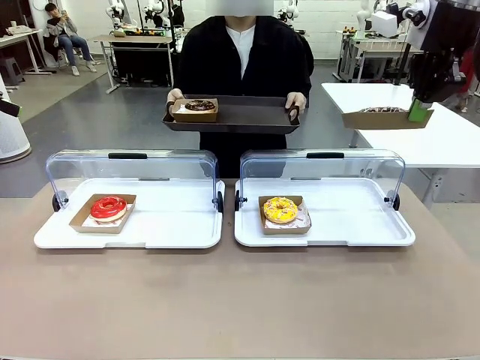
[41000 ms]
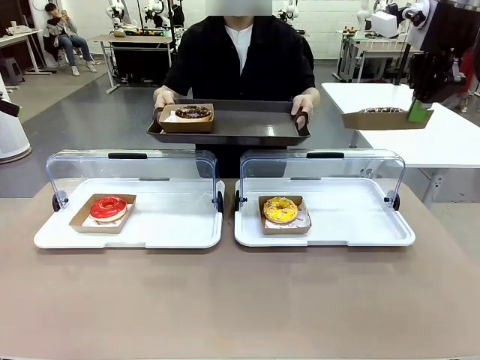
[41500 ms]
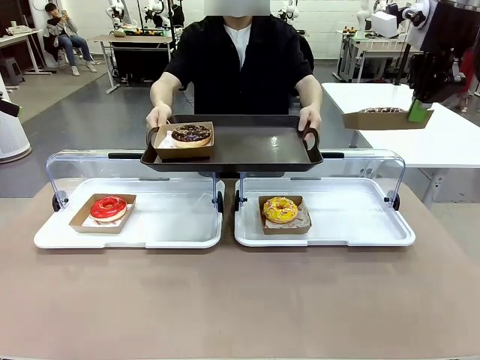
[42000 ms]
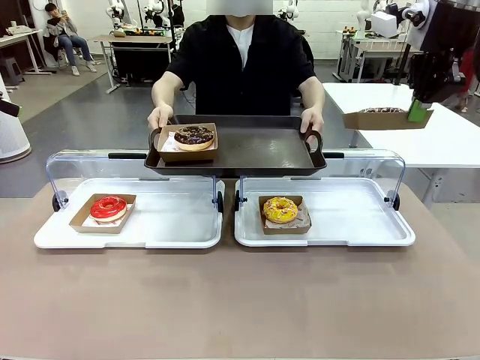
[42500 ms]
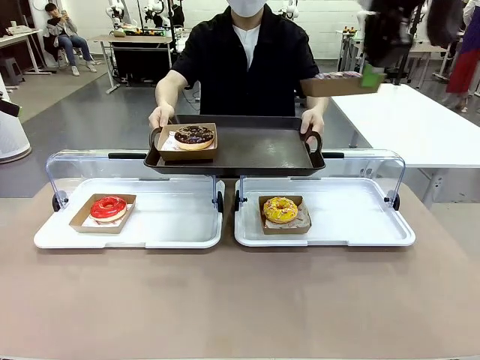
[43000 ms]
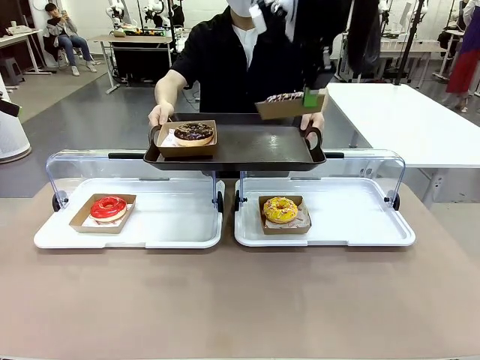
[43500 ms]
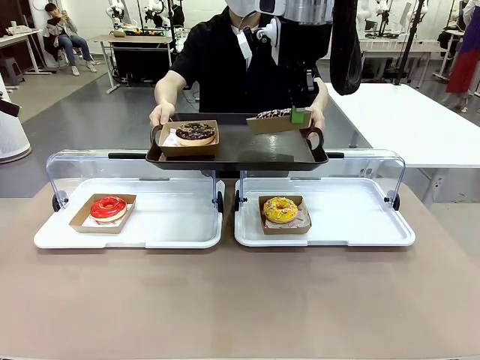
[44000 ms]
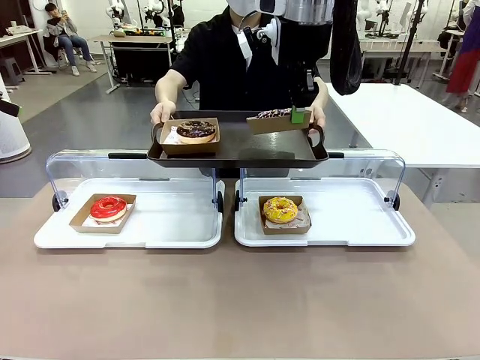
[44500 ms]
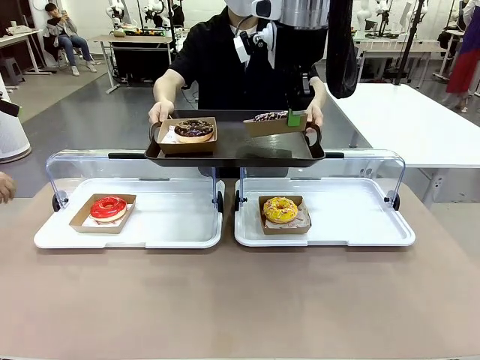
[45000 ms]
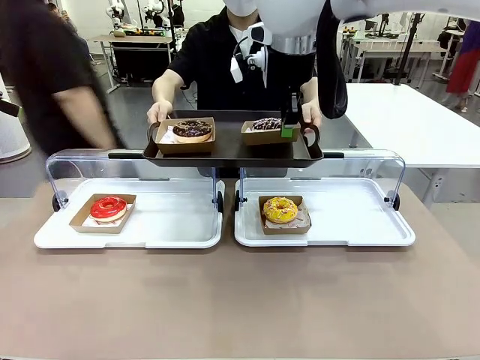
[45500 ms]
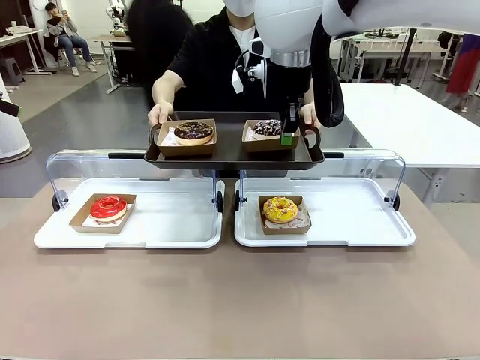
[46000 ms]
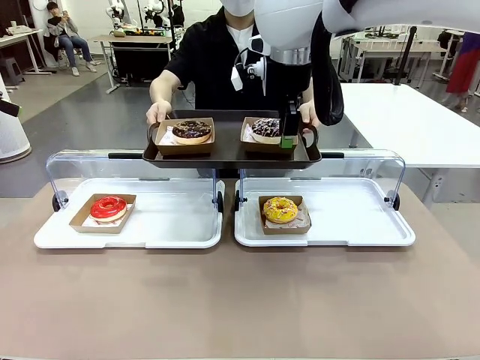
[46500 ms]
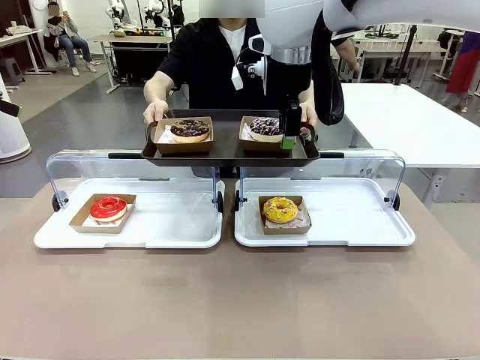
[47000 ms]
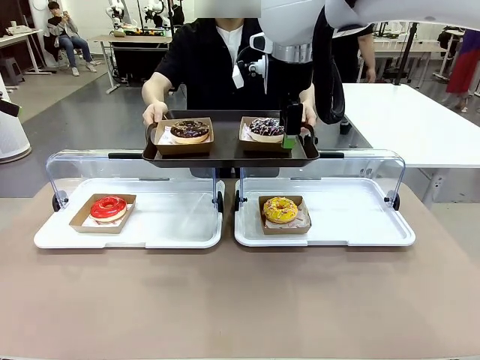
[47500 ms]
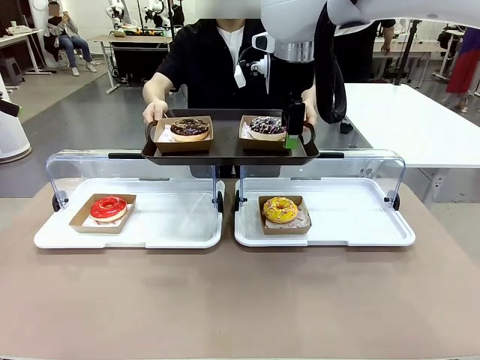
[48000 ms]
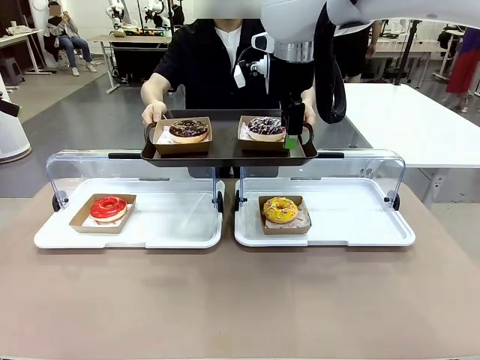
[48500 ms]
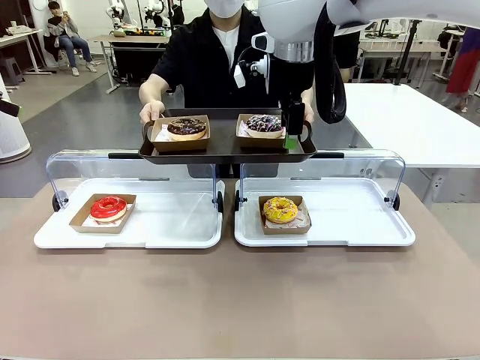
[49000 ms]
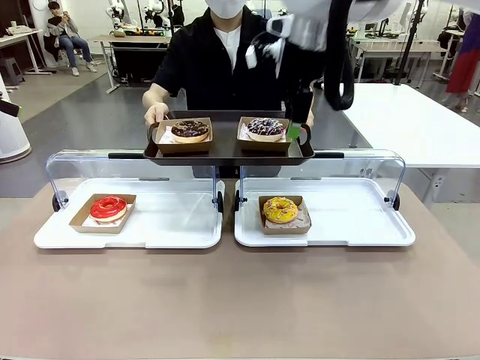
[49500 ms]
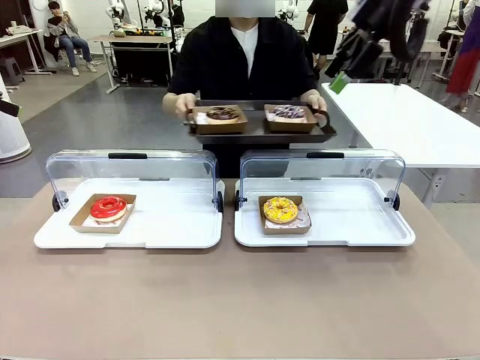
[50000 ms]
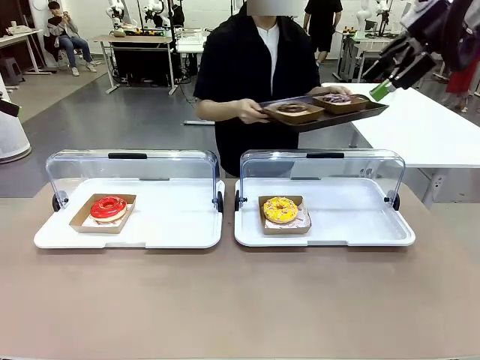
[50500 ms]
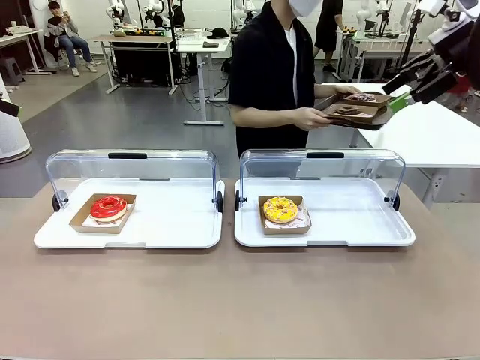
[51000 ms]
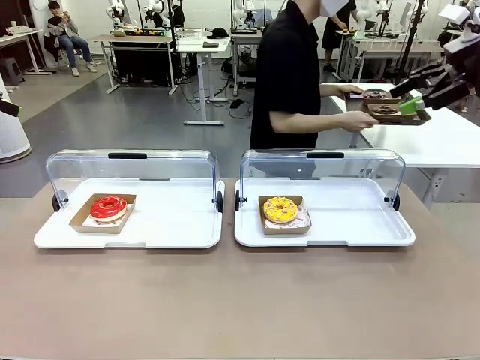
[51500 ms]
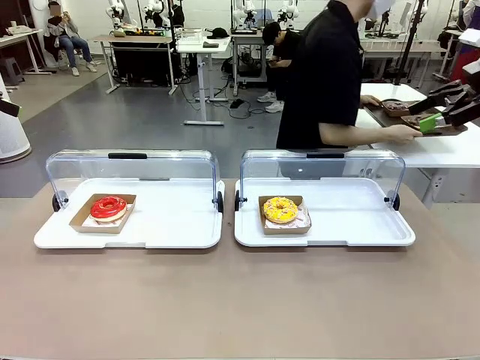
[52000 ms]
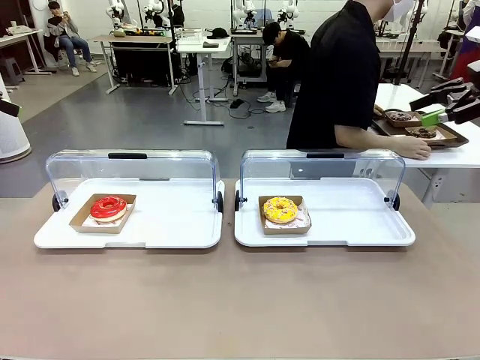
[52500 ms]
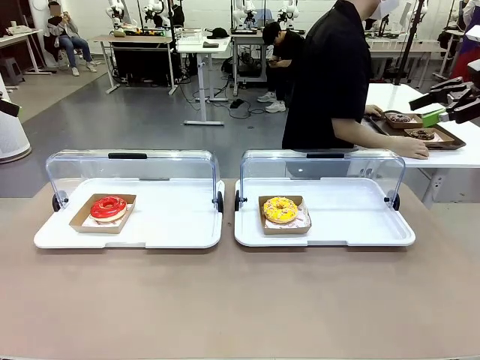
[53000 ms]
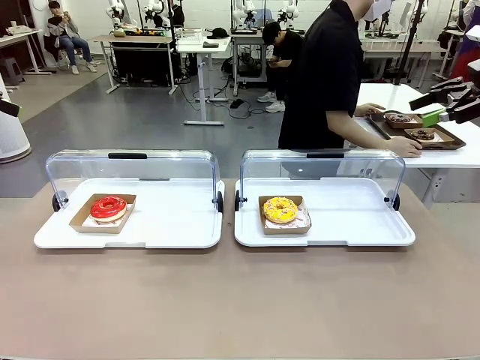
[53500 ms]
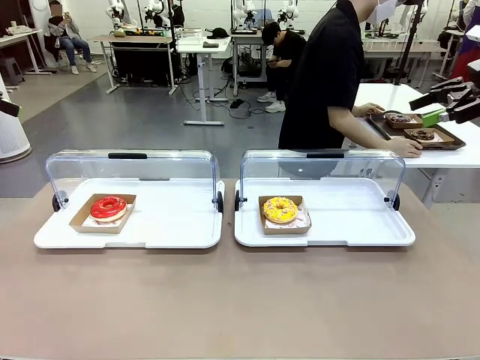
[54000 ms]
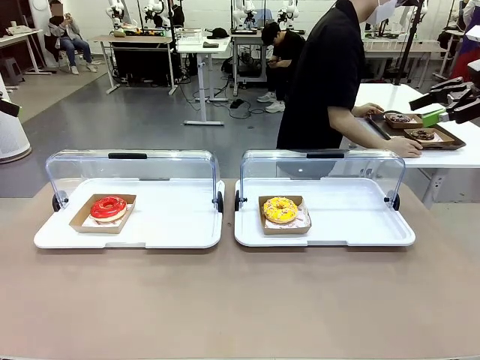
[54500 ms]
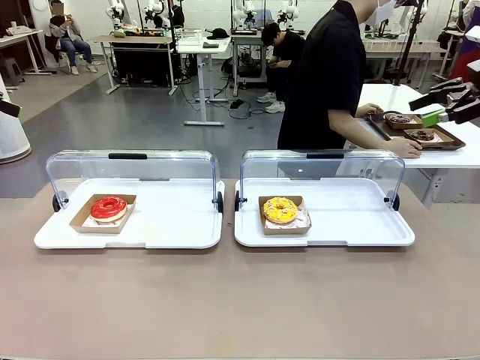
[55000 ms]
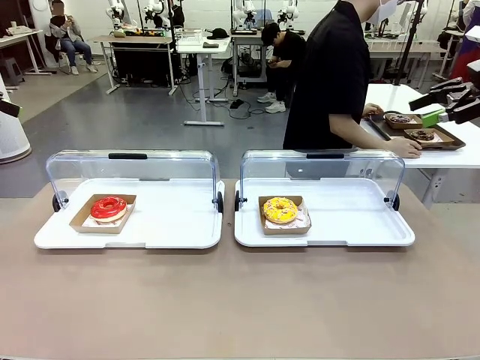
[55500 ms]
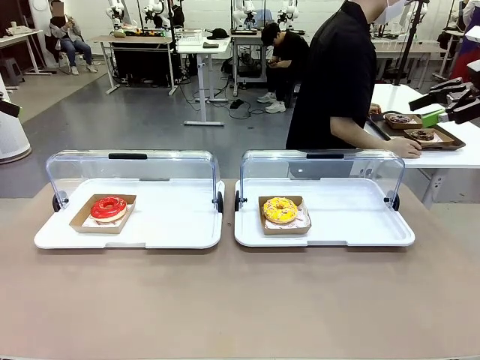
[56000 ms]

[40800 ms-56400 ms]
Task: Provide the desired donut to the person.
Robot: Place the picked Paper togo box onto the Handle tray extended by the person.
Person: Place the tray in the middle of the human table.

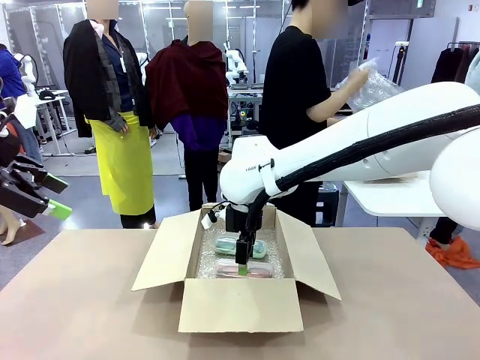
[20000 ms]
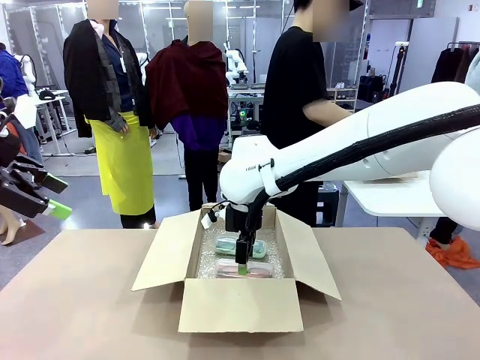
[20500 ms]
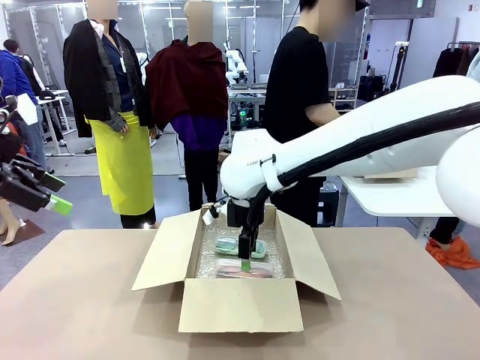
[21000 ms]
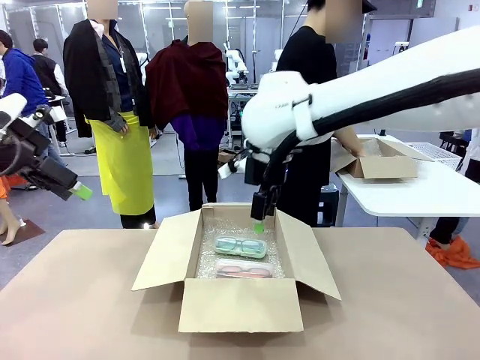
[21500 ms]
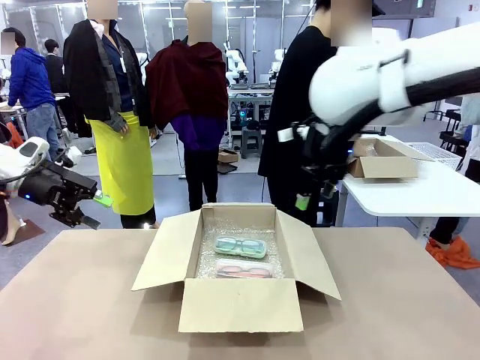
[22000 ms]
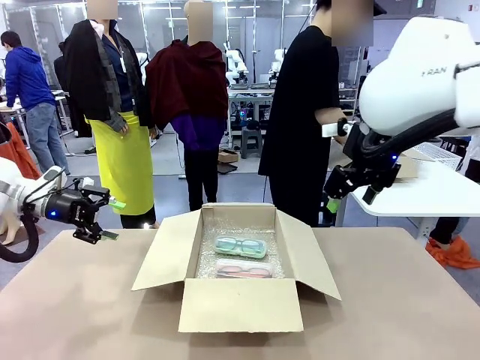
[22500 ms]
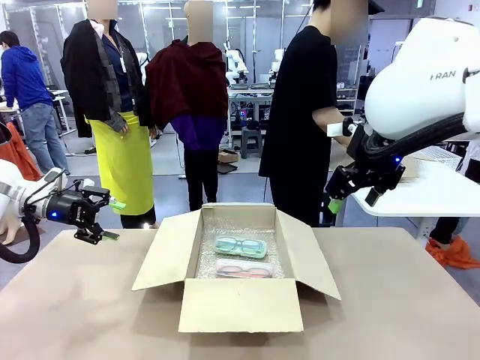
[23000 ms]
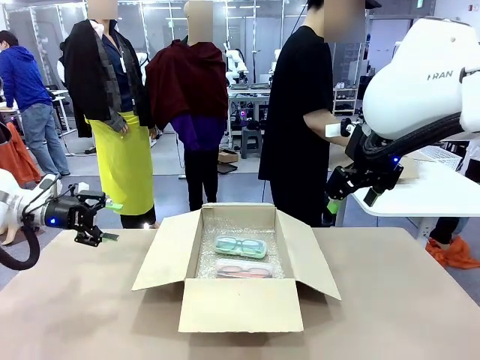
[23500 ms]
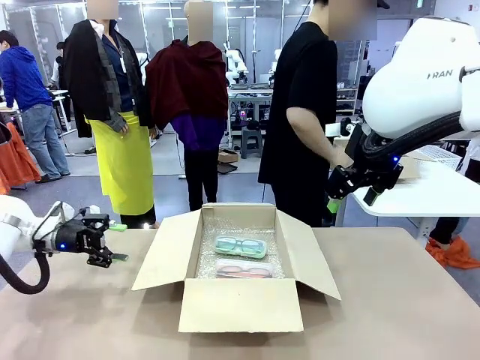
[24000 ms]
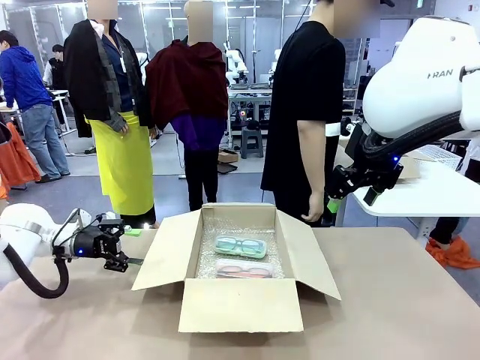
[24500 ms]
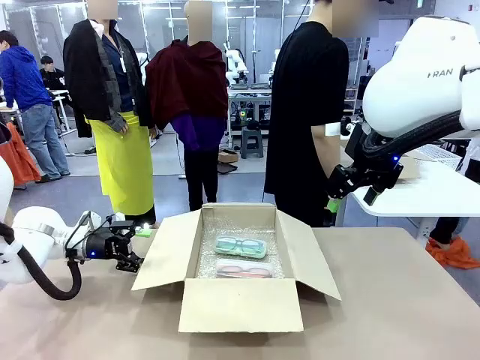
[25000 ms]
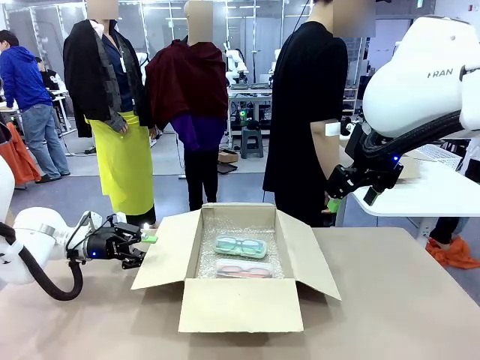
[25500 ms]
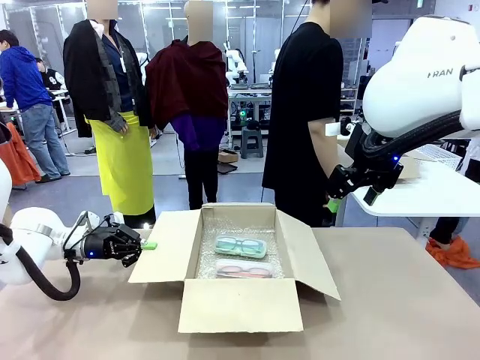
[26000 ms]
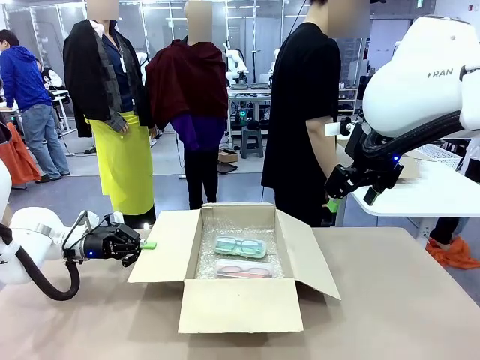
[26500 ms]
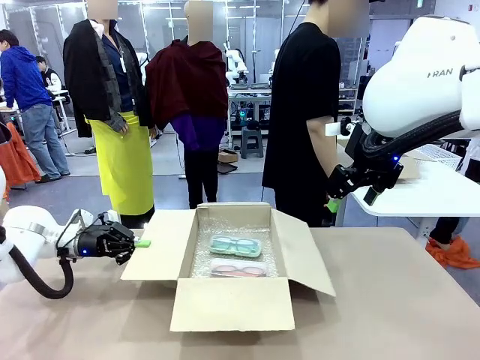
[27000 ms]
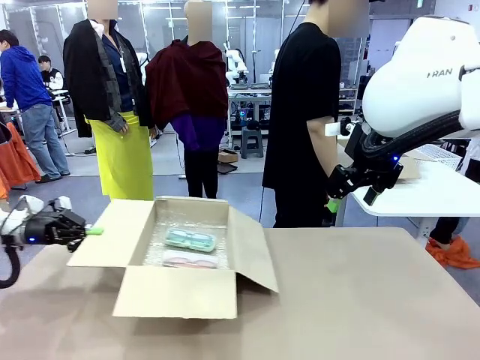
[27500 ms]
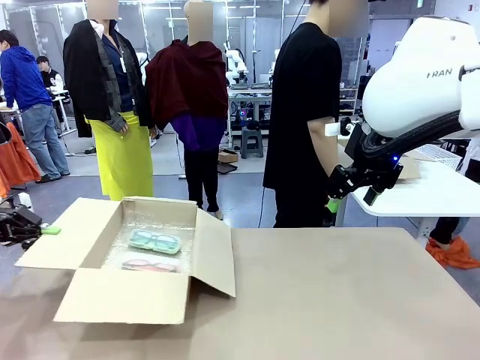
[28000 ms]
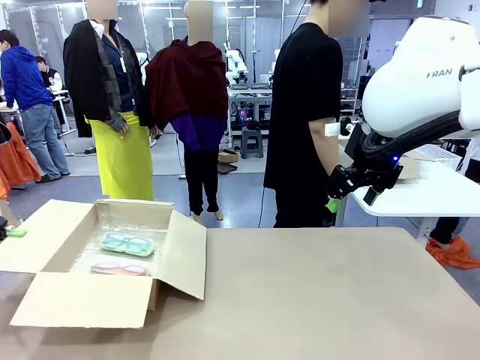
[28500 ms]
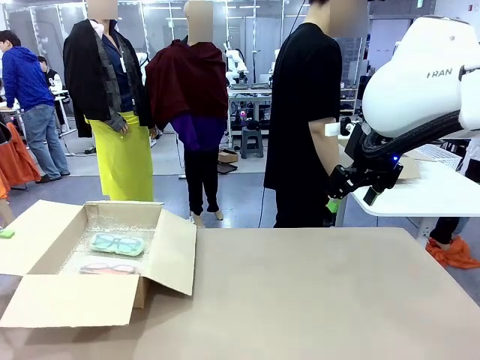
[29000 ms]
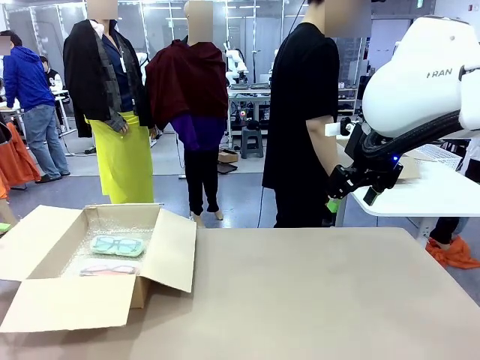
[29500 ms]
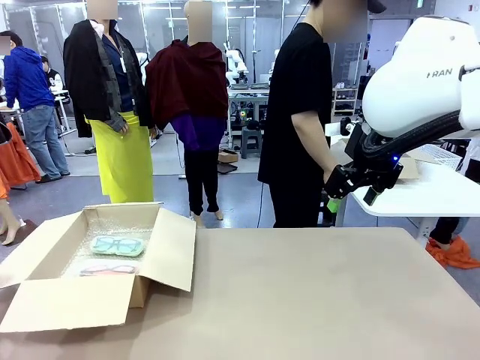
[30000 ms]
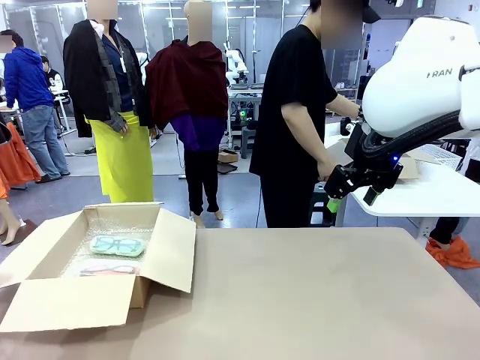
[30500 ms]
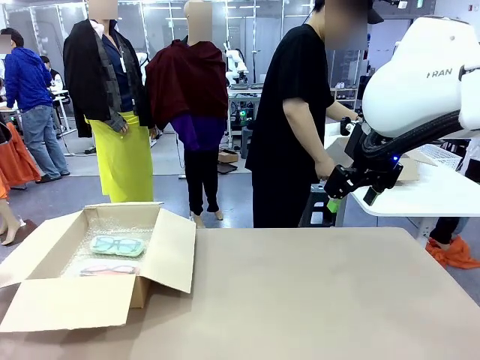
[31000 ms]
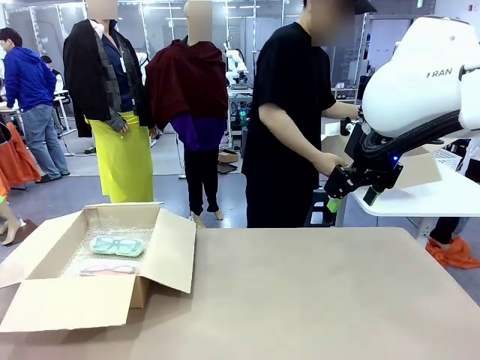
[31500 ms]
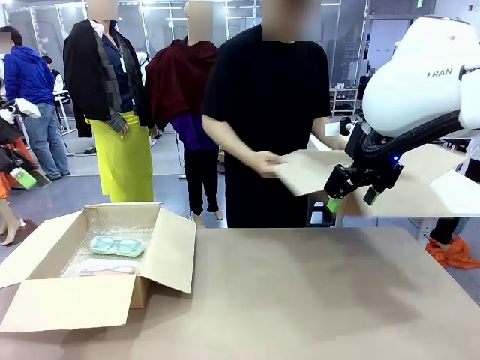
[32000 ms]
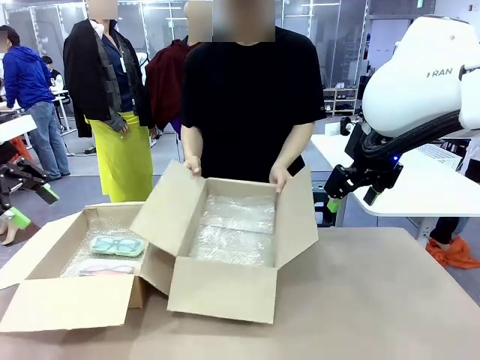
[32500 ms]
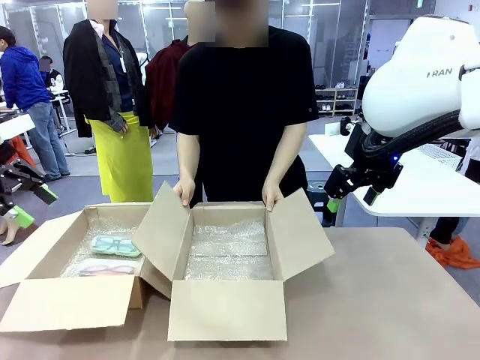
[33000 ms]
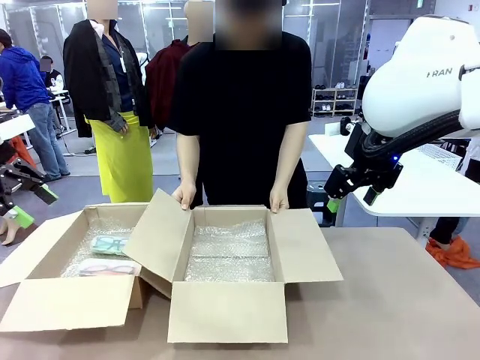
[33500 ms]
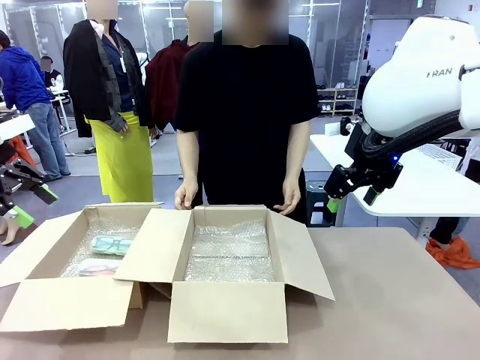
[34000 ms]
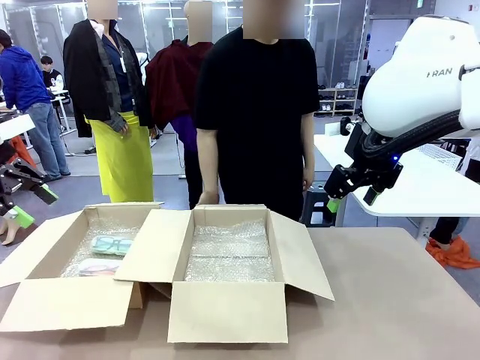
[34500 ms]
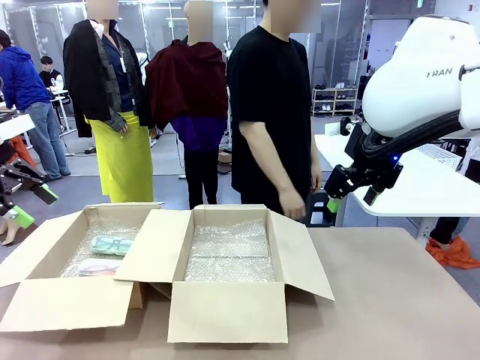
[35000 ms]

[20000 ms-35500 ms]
Task: Pack the glasses set securely to prepare it for shipping.
Robot: Position the Package Box on the left side of the table.
Person: Position the empty Package Box in the middle of the robot's table.
